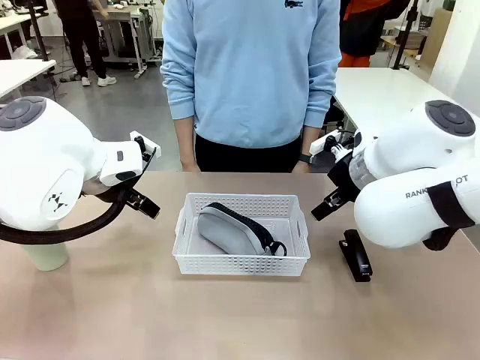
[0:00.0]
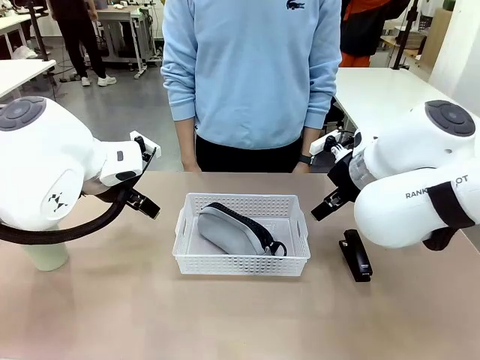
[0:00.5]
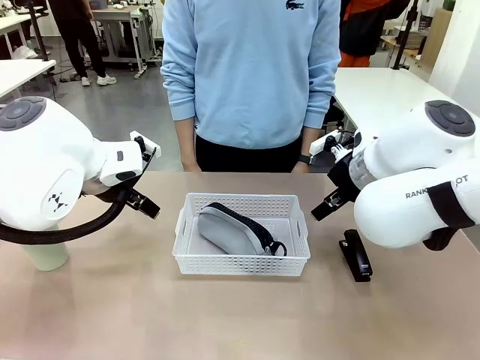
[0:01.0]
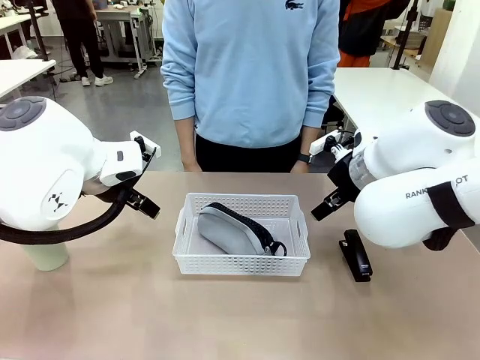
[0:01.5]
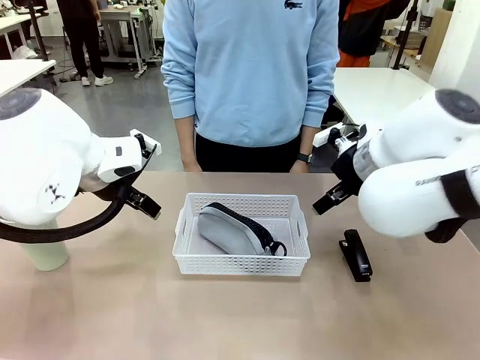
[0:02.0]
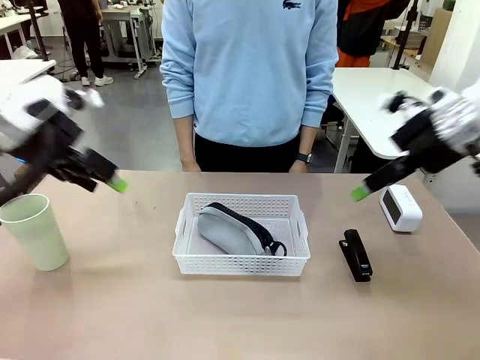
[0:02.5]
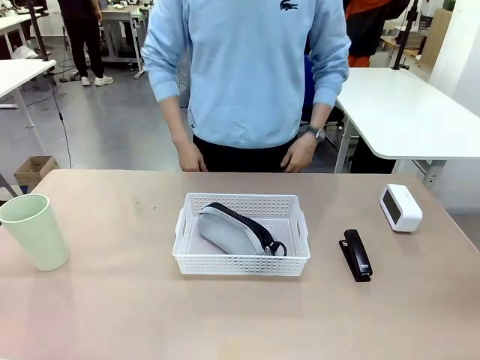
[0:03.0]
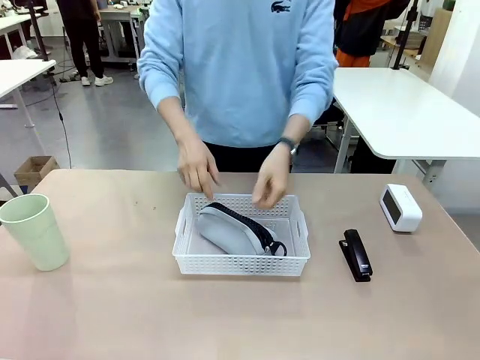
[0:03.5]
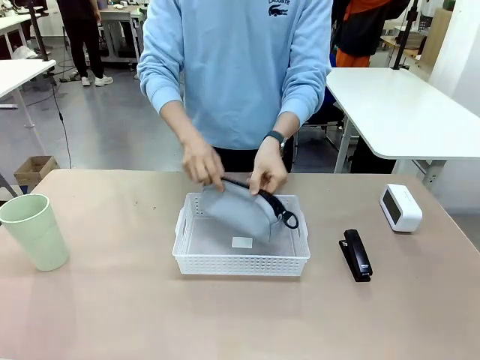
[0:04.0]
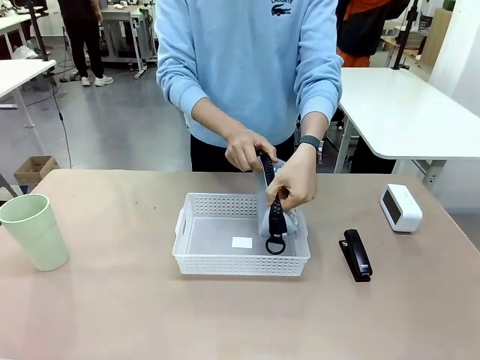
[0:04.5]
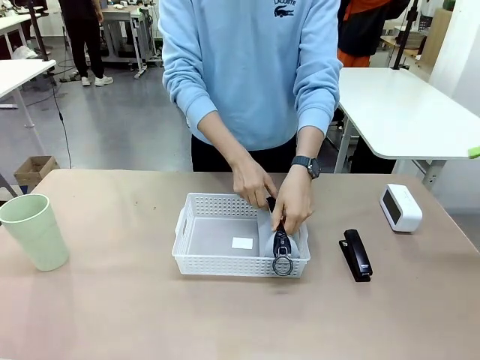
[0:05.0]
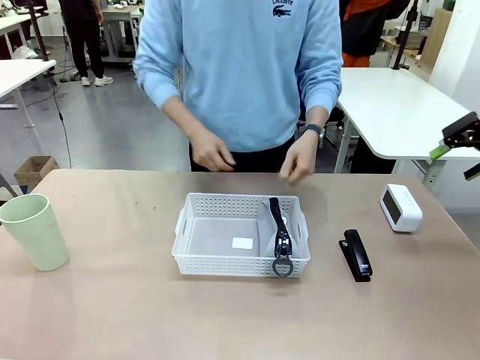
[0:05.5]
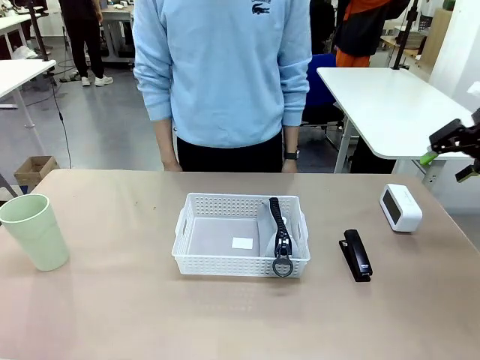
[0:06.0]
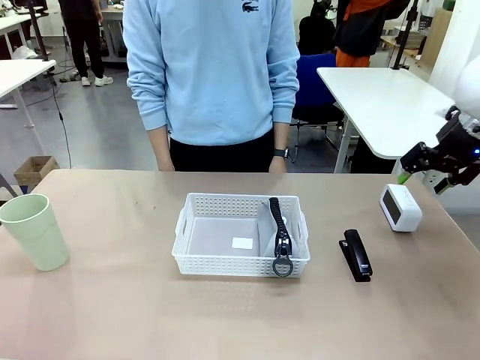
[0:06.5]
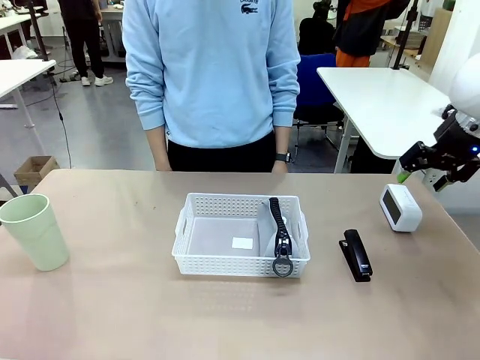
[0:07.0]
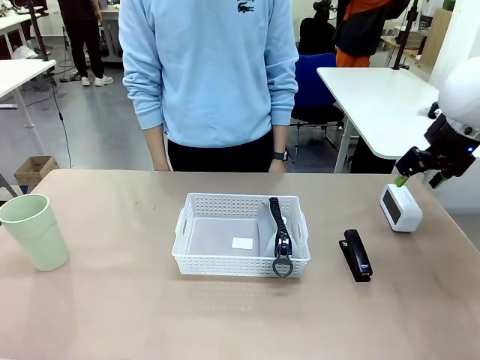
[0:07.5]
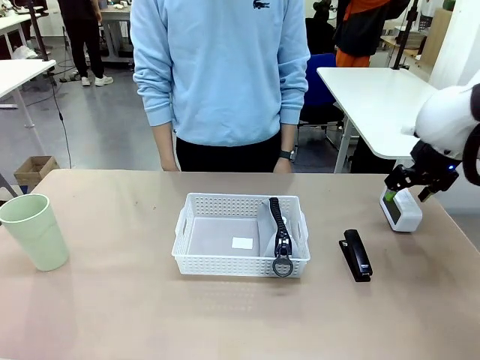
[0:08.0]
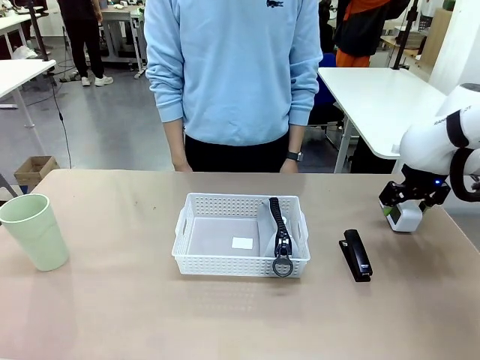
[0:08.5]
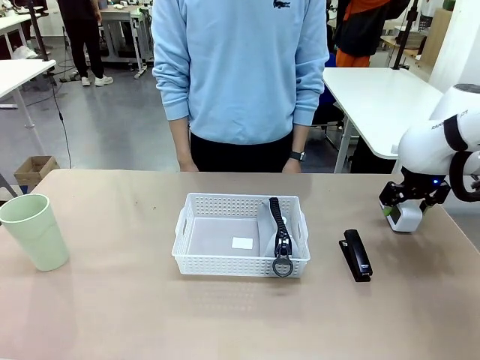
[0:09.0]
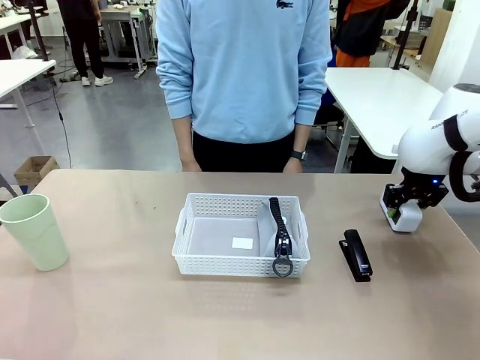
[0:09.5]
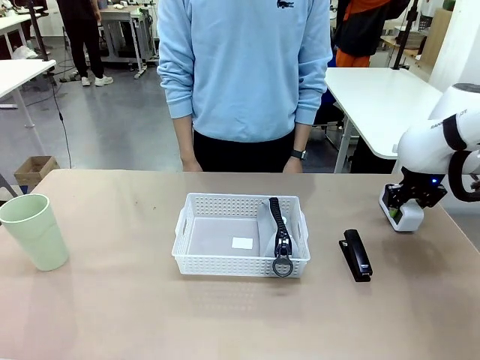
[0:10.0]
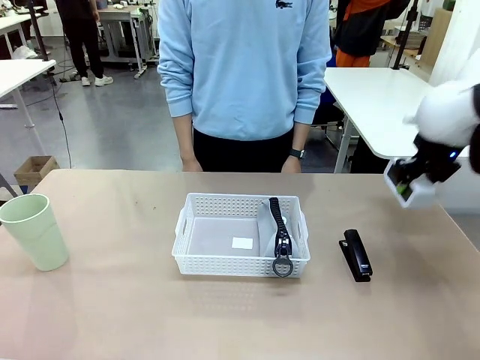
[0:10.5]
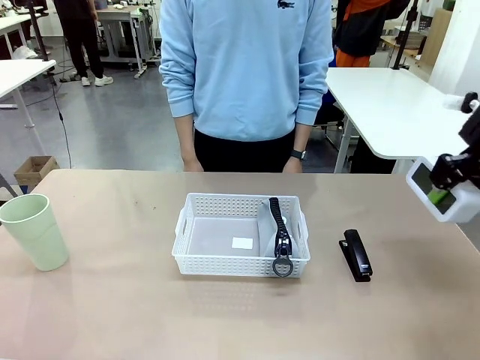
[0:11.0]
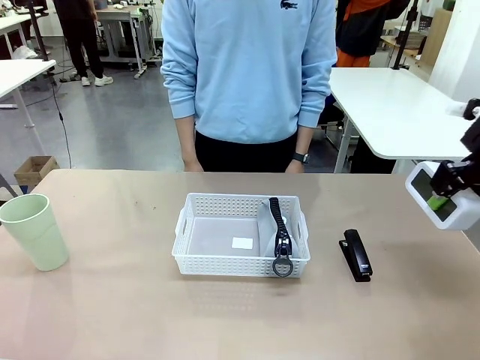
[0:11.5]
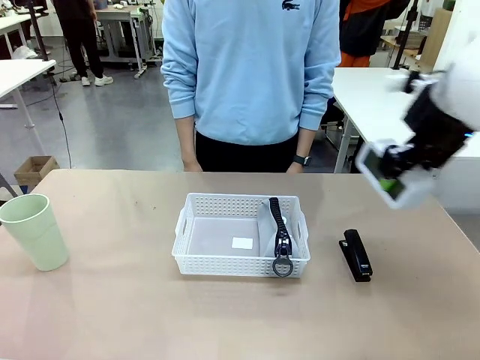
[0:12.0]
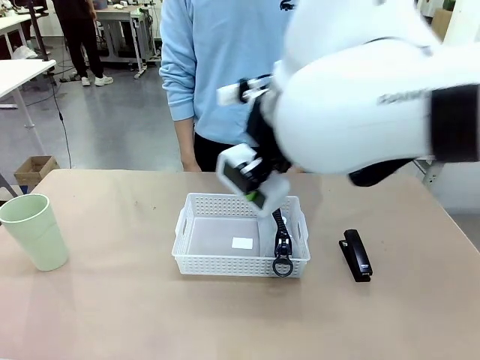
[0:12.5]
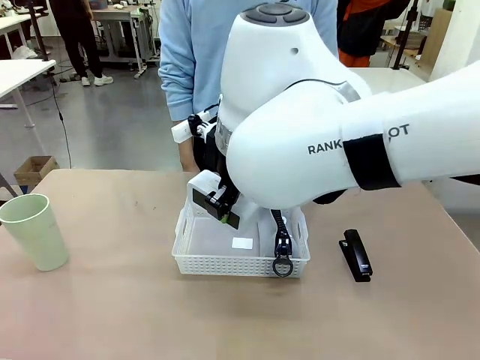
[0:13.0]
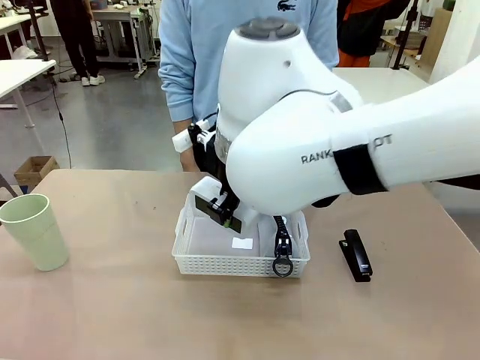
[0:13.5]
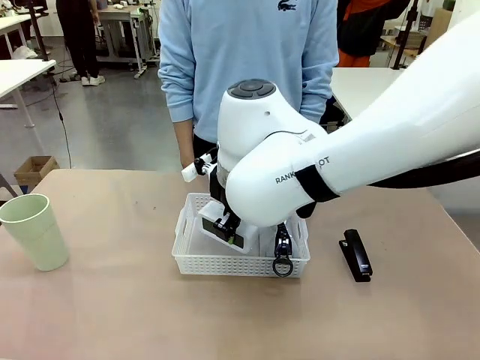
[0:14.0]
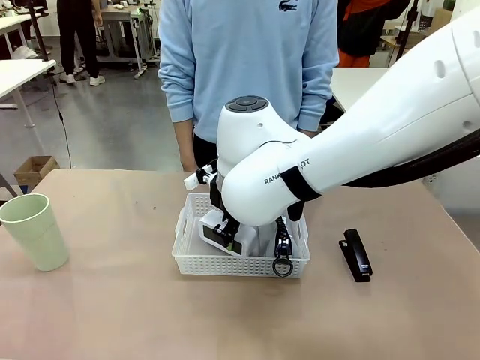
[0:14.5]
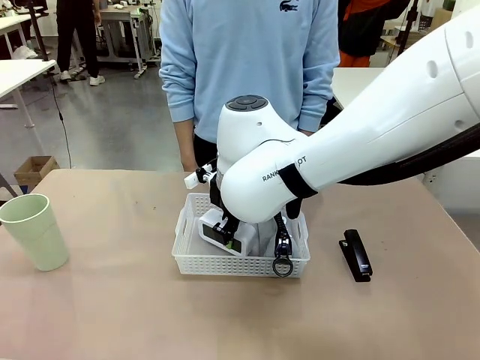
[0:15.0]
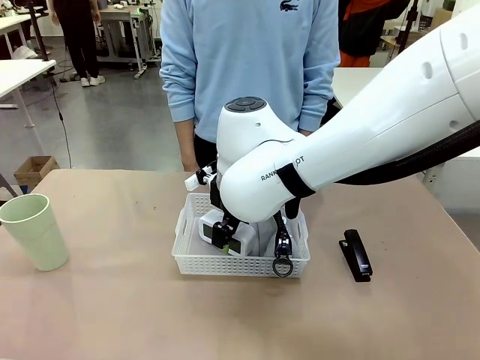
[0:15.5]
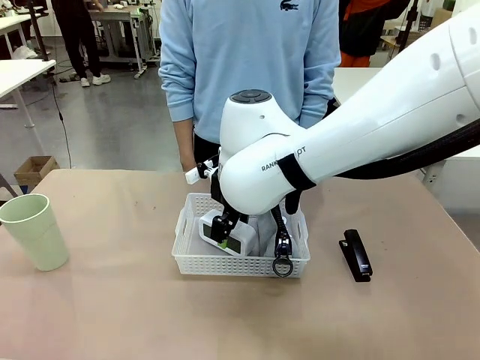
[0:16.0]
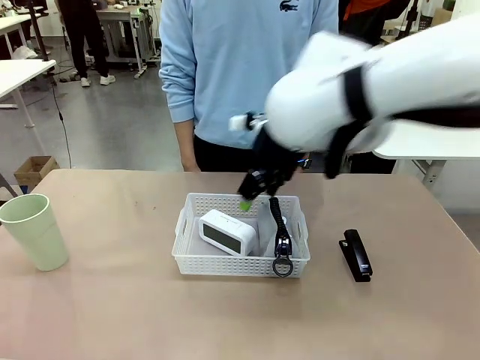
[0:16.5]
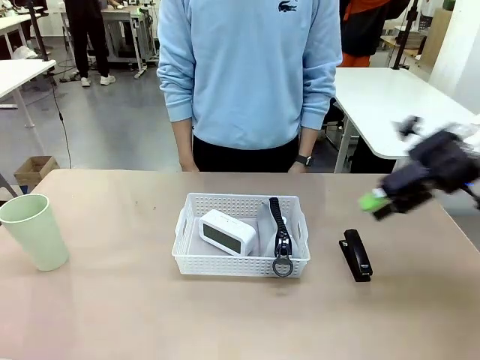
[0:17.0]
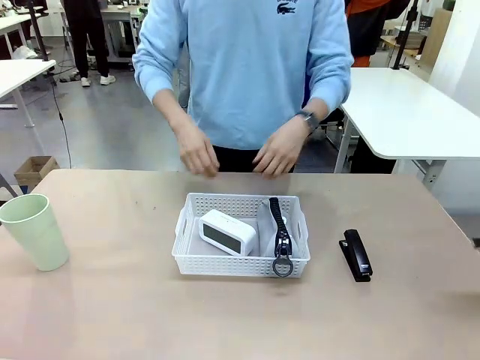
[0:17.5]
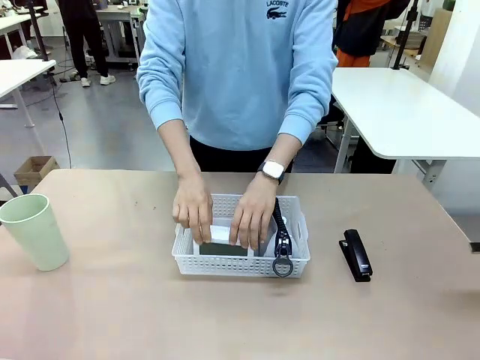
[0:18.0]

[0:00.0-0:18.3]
Task: Efficiently arrange items inside the basket to fit them all.
Robot: Pick up the Digital clock and place it inside the Organizing basket.
Person: Repositions the pencil case. Repositions the digital clock.
